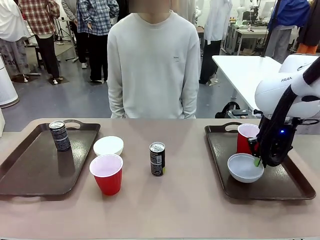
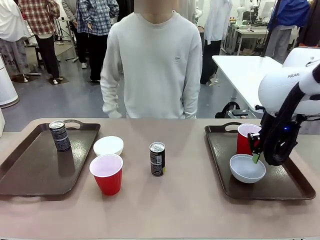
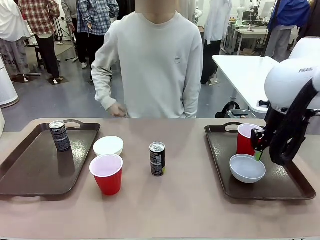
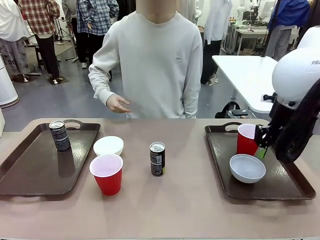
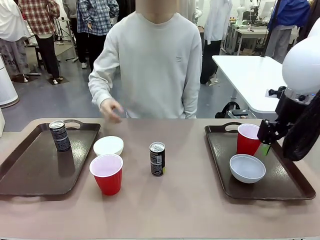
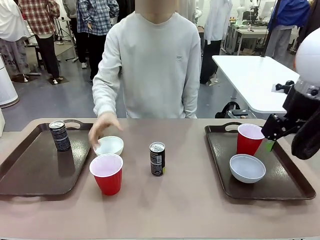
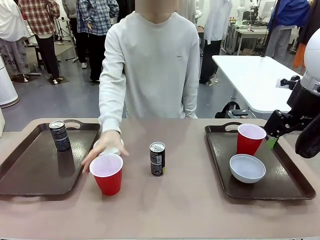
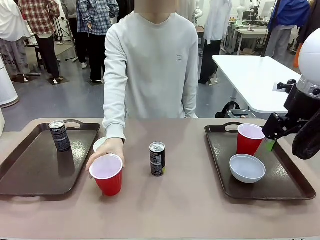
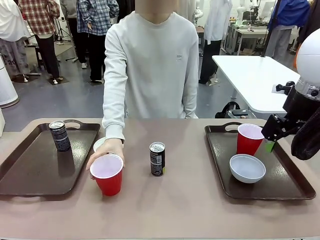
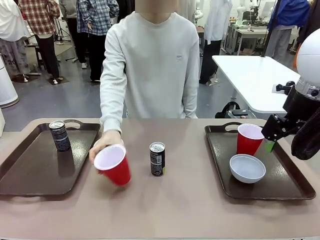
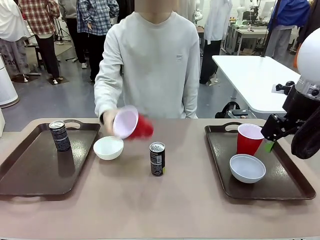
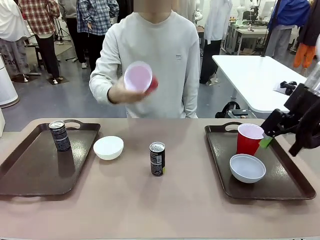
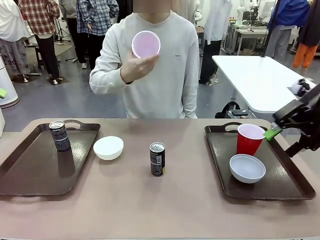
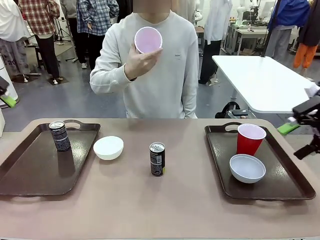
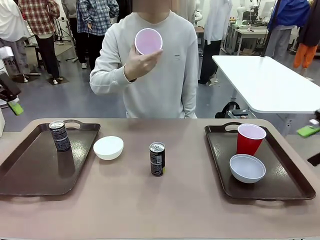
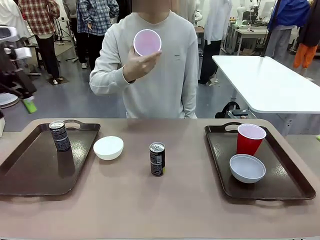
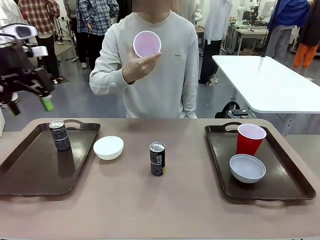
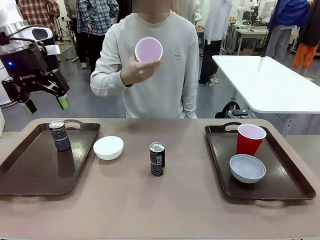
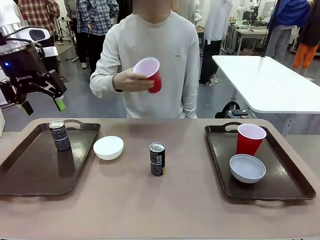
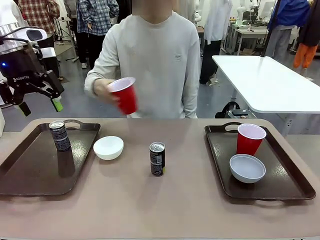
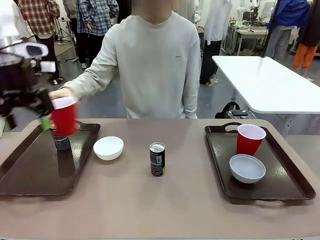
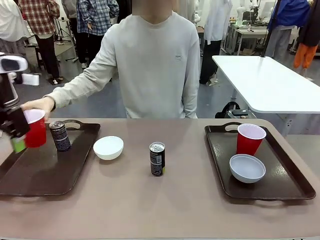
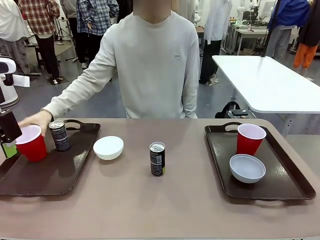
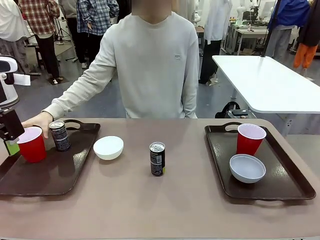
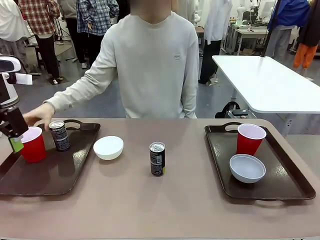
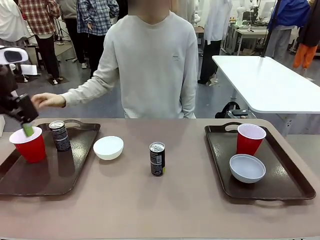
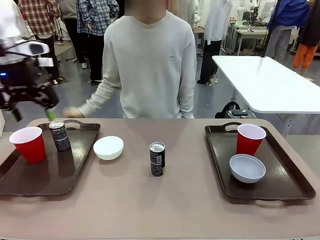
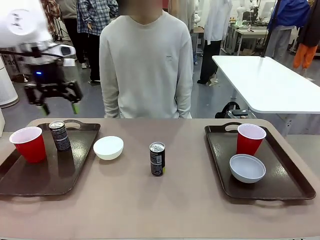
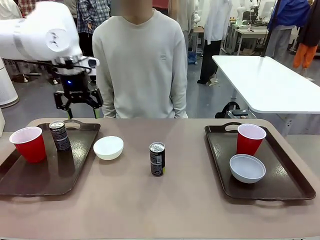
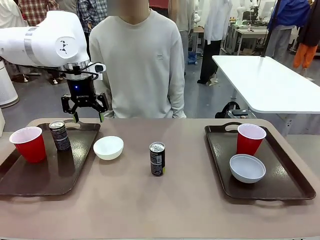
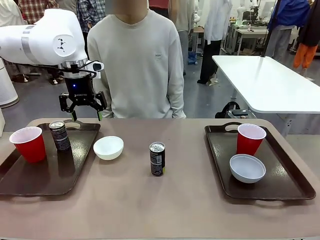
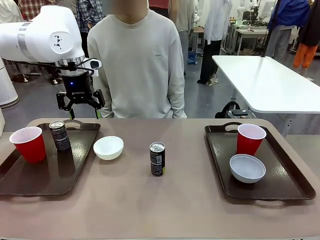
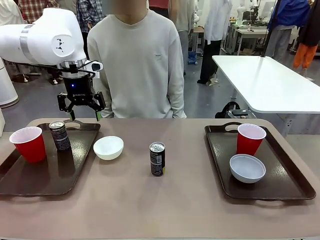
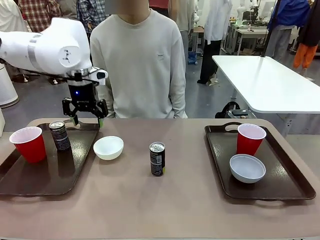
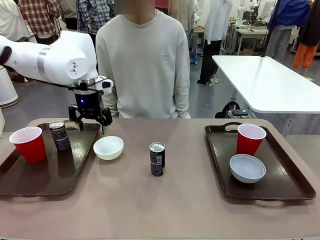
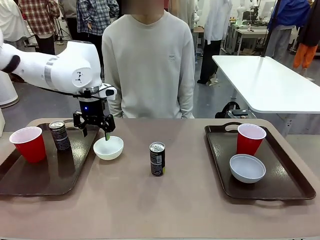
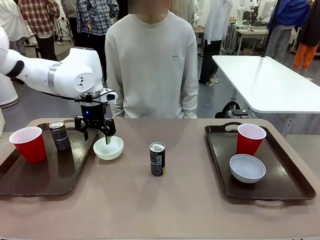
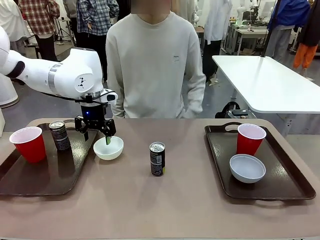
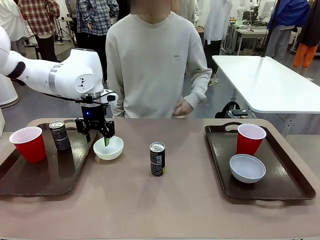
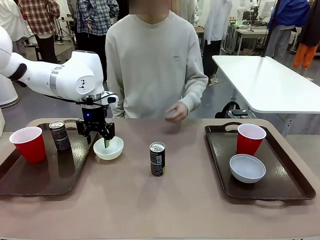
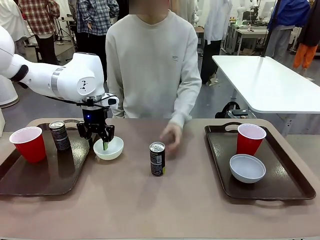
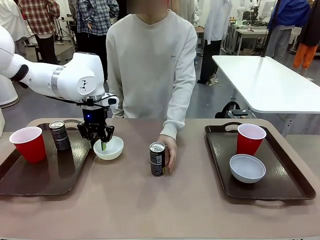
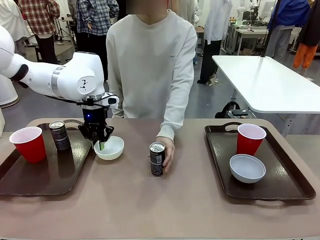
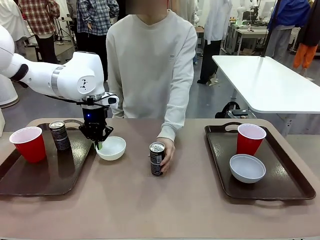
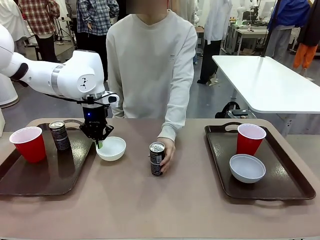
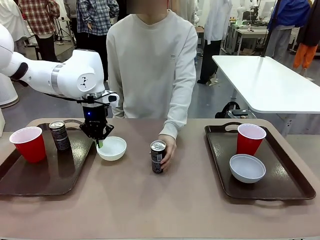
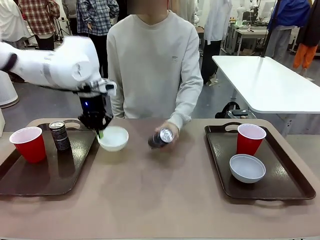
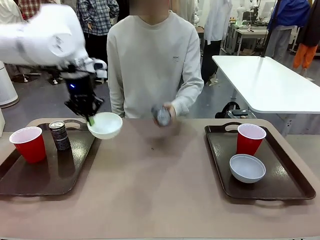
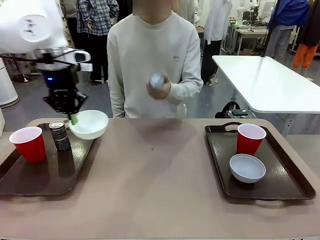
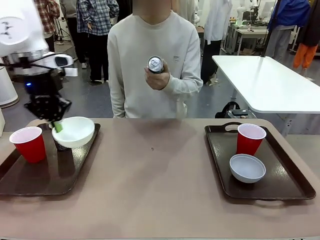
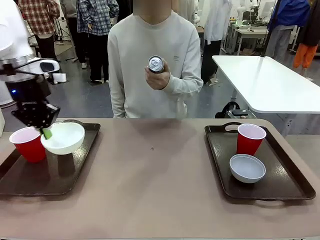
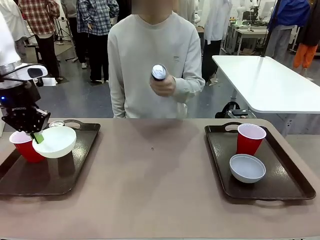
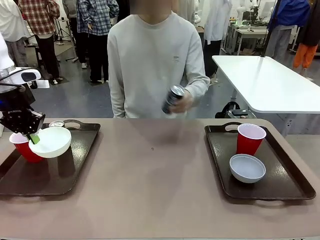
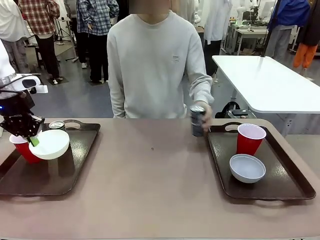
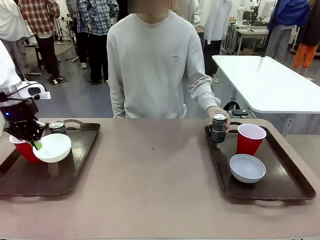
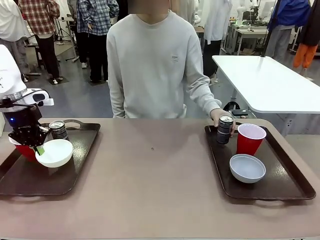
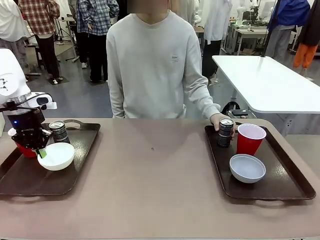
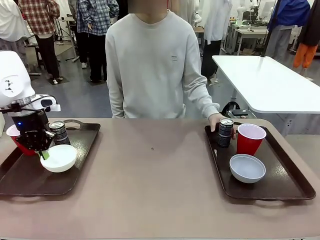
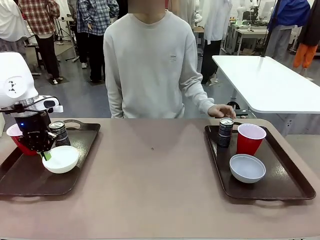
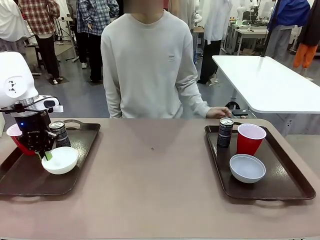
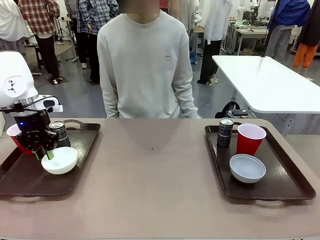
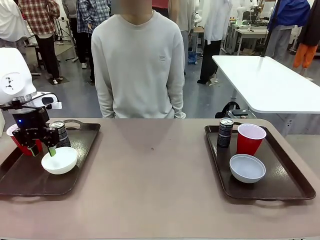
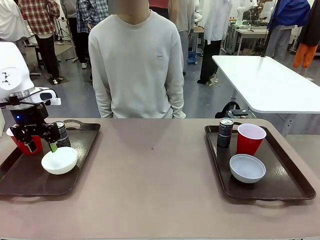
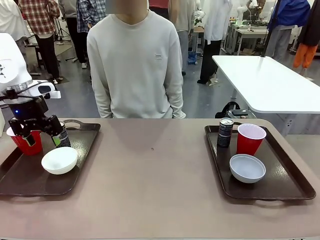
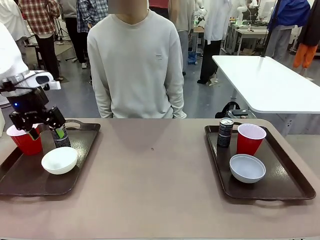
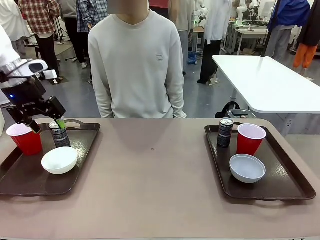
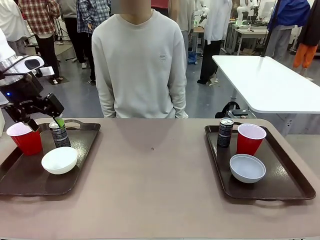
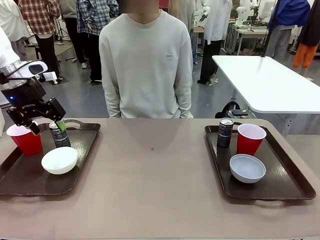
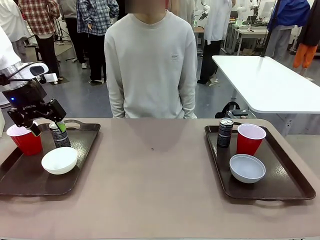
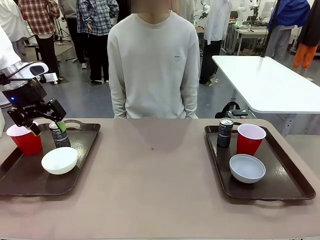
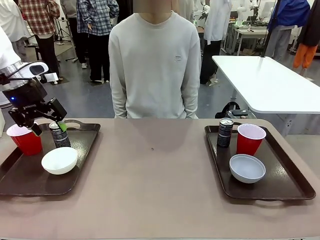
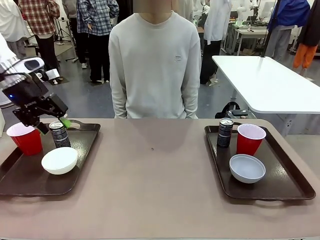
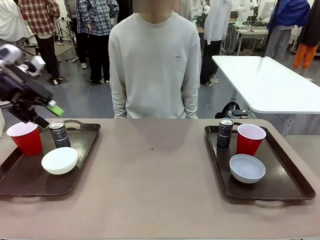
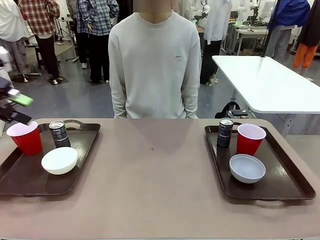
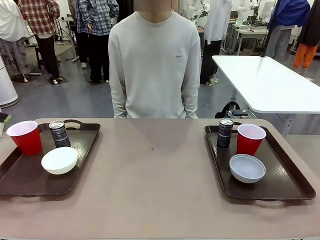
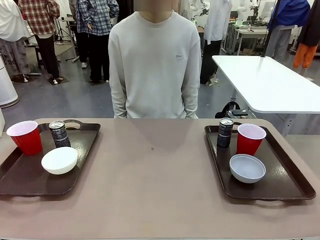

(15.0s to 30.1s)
Task: Prepare tableware on both trays.
Robot: Pick up a Picnic Bowl from the table and place it on a Handle tray.
Person: Pick up a can or cup and place it on the tray without a can or cup.
